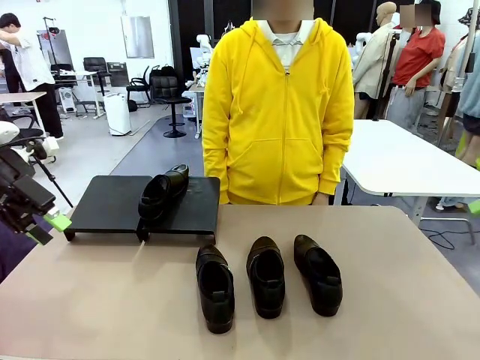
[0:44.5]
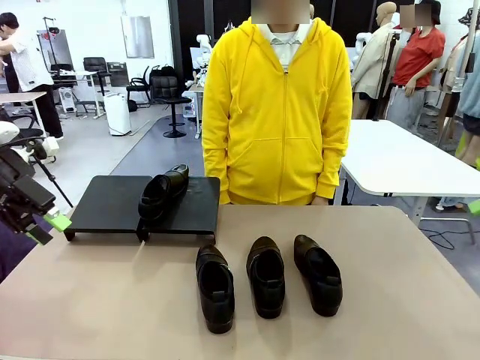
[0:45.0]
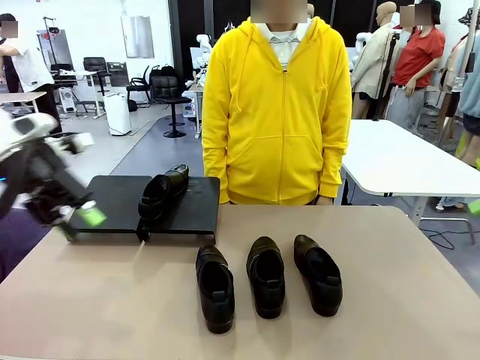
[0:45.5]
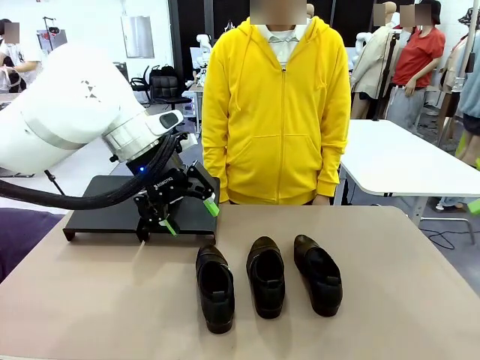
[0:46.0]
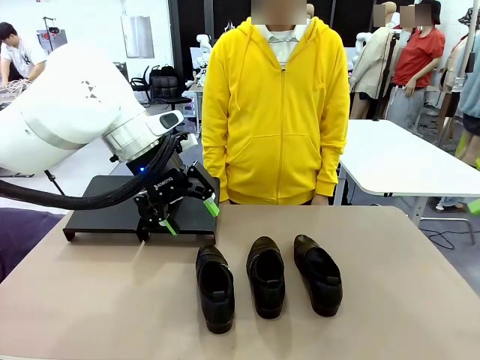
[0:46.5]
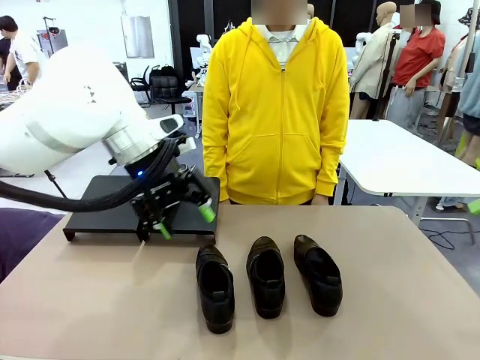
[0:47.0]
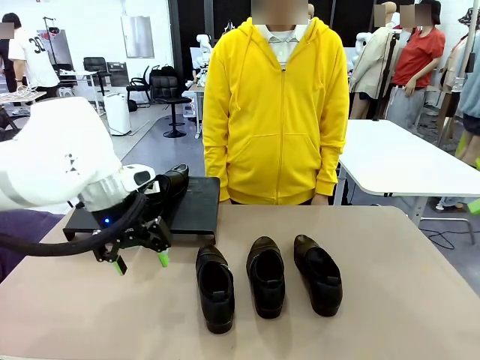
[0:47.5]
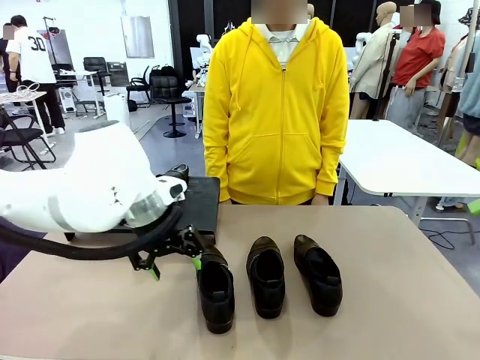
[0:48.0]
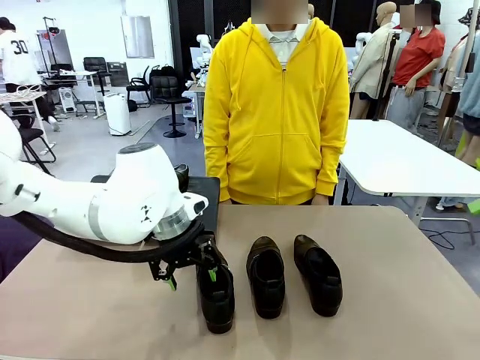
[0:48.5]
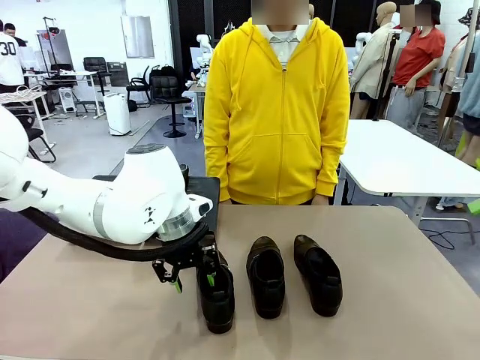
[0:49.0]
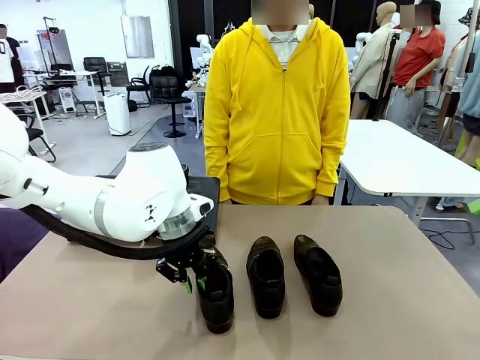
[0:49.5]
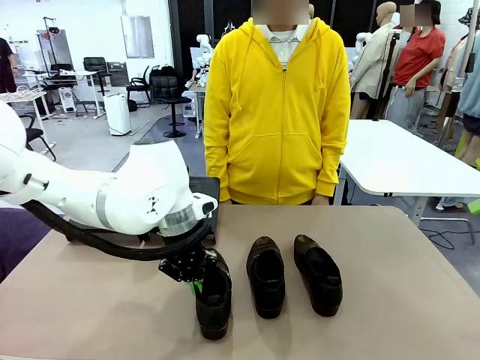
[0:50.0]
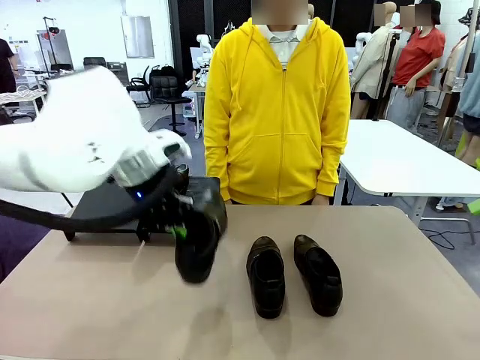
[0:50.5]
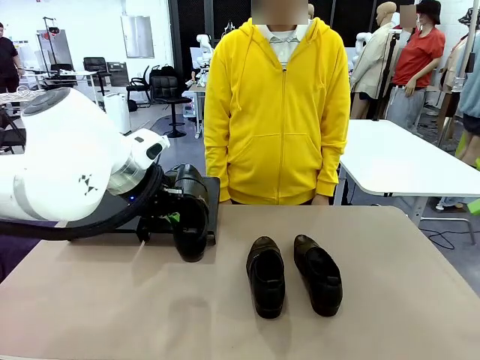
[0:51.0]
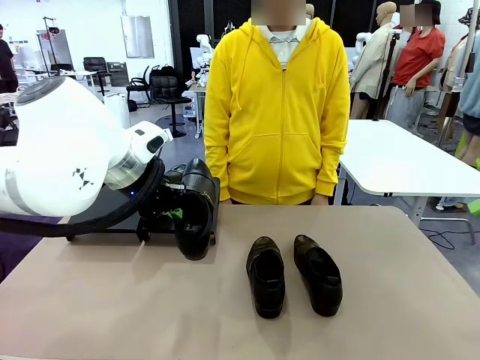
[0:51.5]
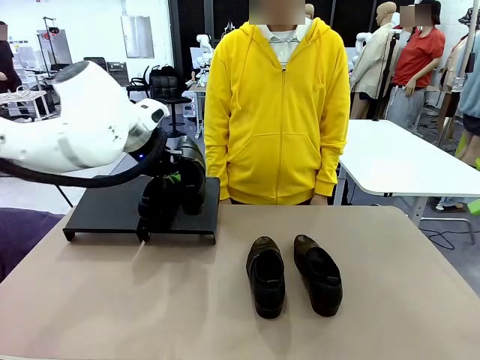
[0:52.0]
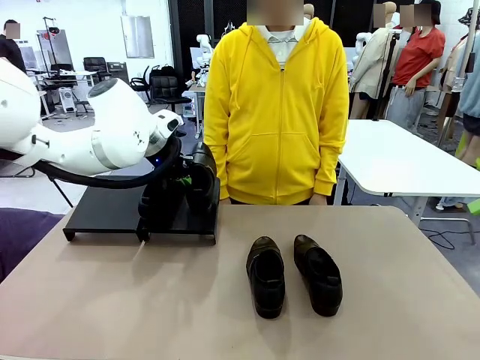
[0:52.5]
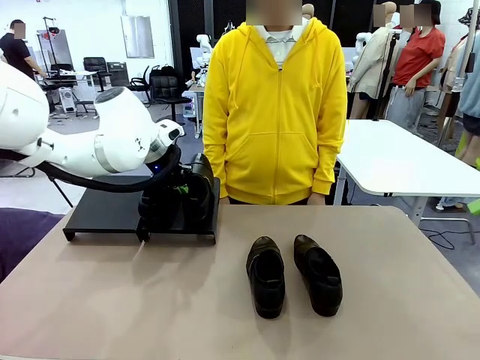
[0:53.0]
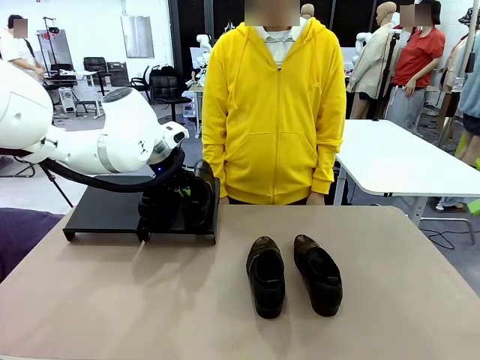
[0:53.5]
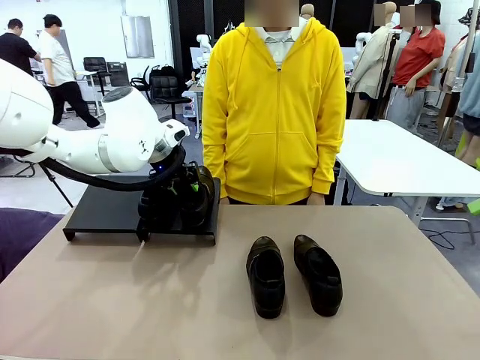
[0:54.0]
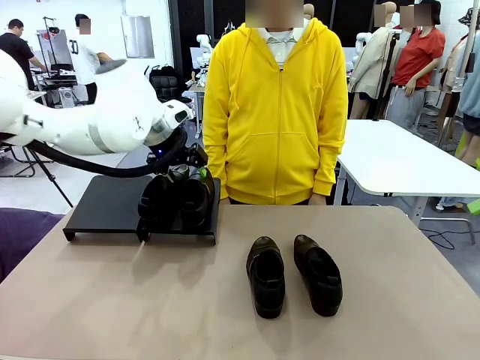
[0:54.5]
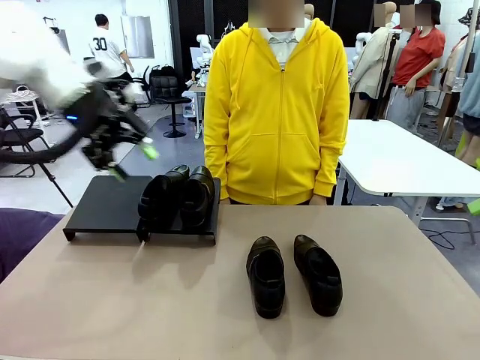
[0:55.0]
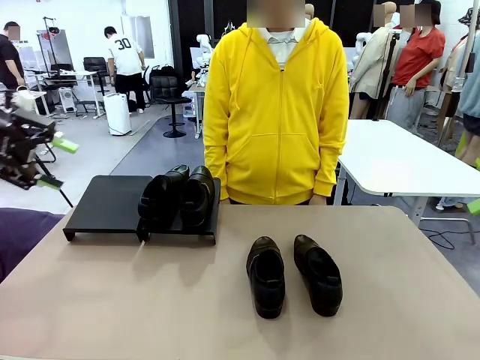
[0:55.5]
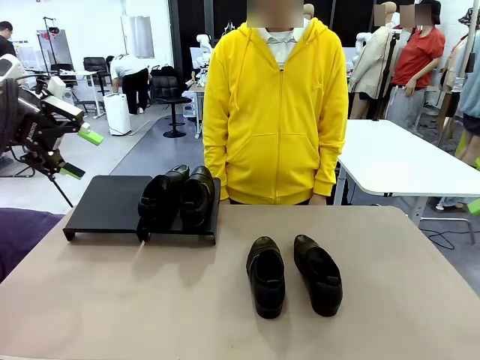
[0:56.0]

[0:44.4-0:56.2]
Task: Organize the shoes by placing them on the stand.
Robot: Place the Shoe from the middle of the table onto the Shoes Stand.

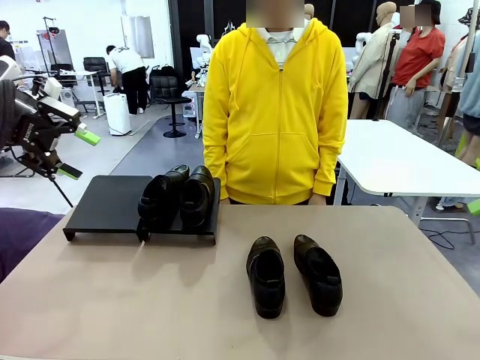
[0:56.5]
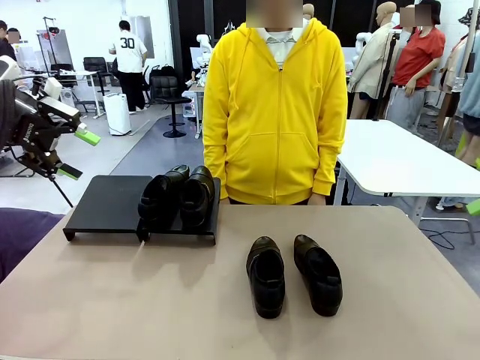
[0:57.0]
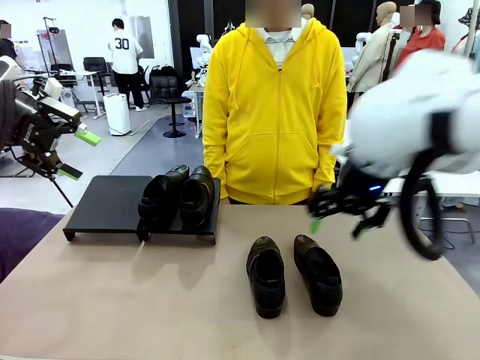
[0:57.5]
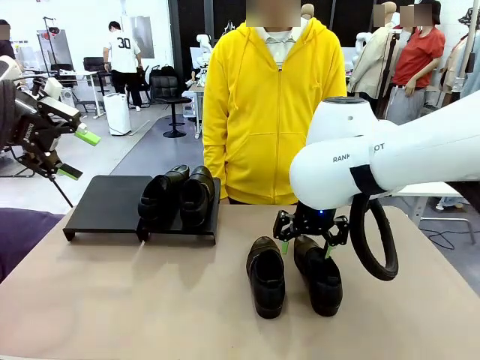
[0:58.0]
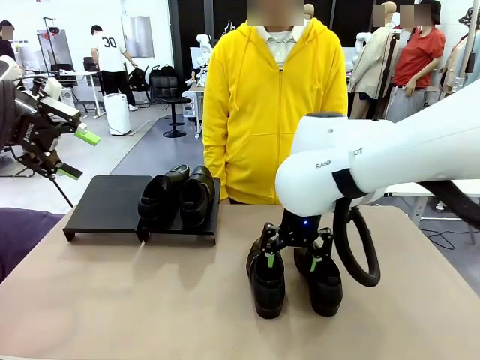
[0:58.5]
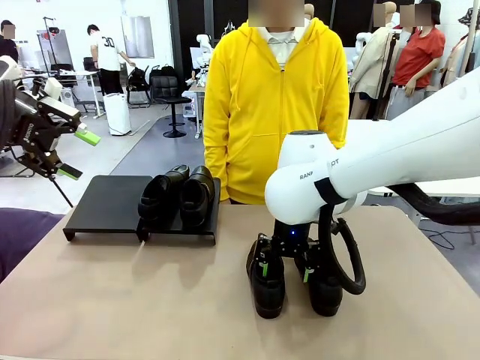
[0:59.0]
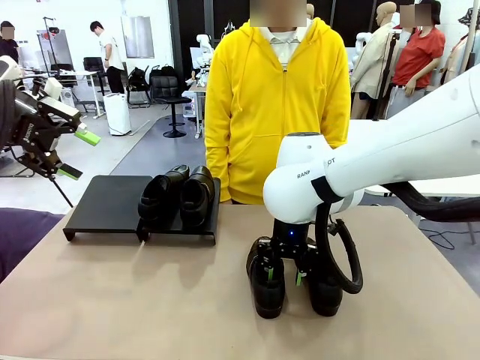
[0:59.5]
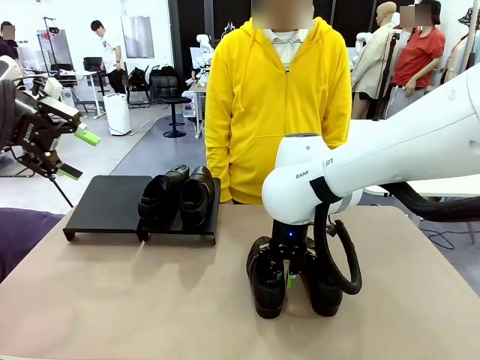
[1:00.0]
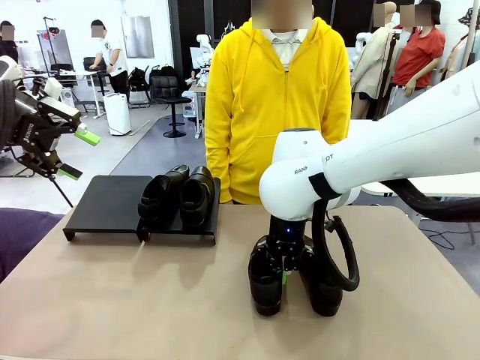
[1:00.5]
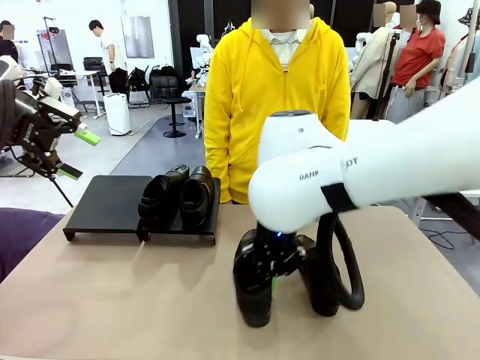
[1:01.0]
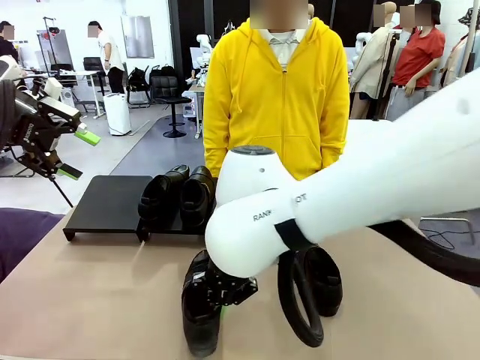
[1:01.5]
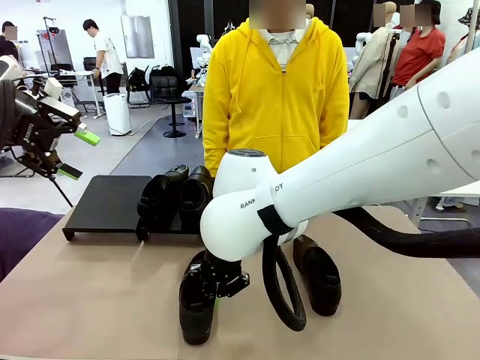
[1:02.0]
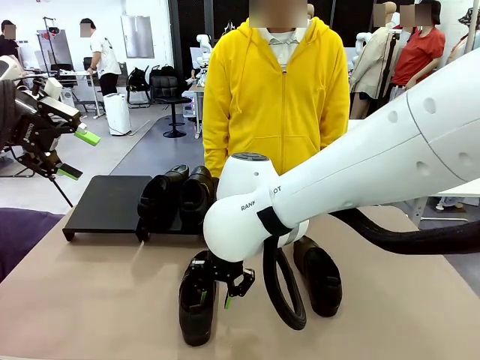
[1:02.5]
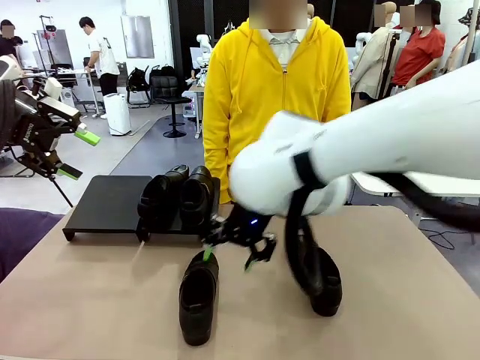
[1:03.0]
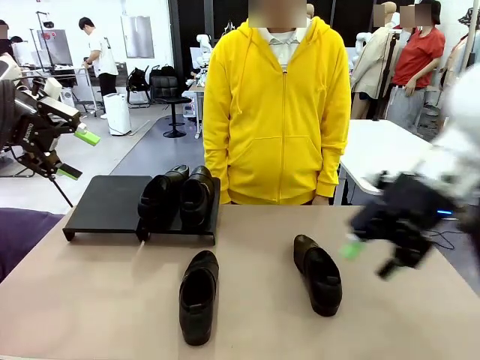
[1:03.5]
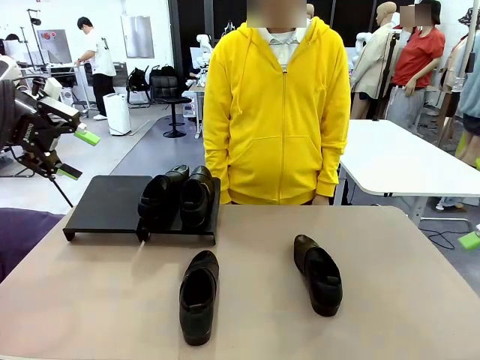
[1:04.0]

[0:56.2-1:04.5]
Robot: Pick up one Shoe and place it in the middle of the table.

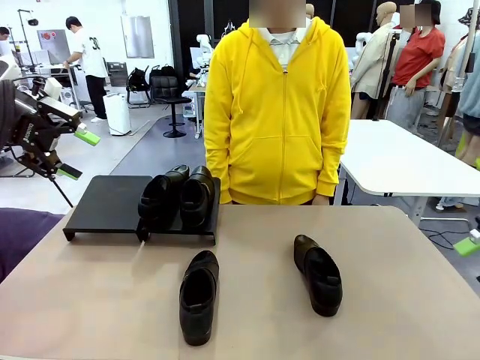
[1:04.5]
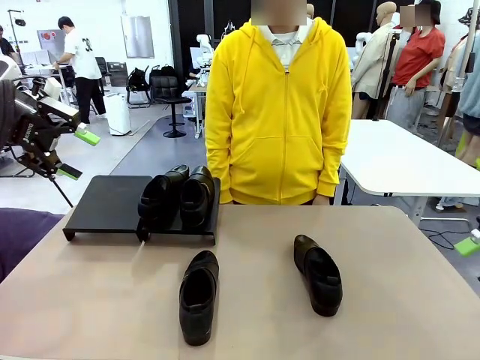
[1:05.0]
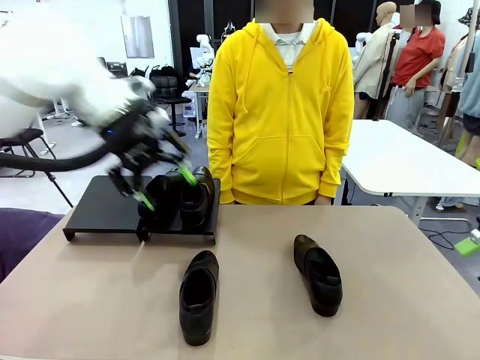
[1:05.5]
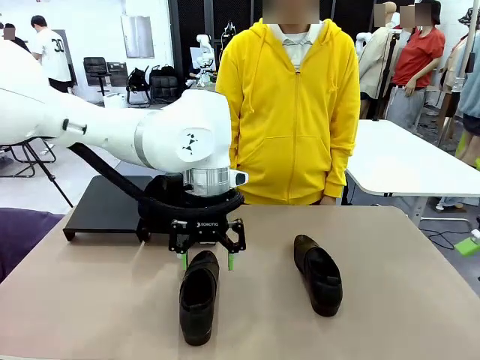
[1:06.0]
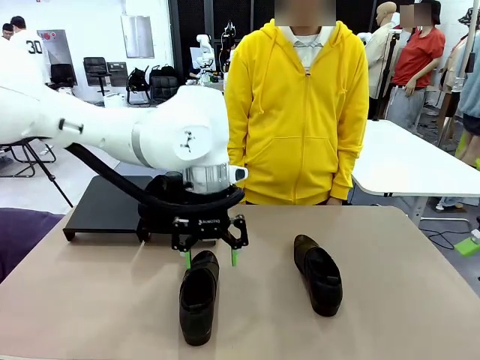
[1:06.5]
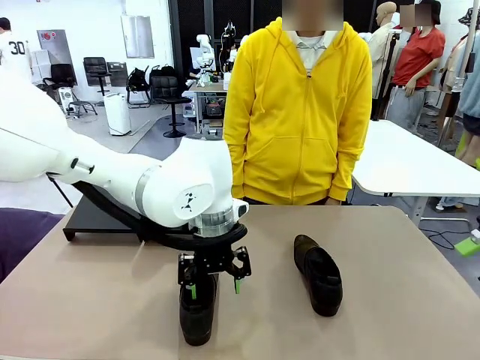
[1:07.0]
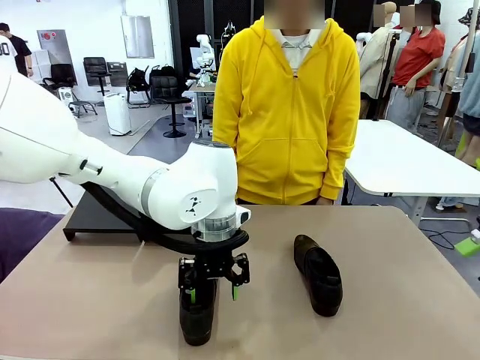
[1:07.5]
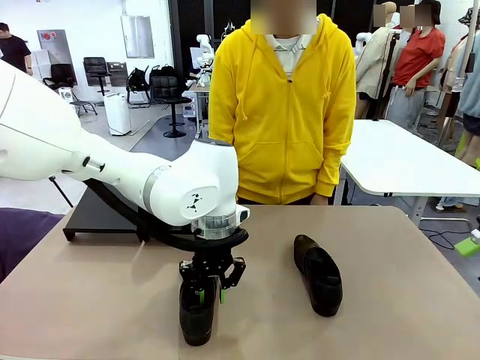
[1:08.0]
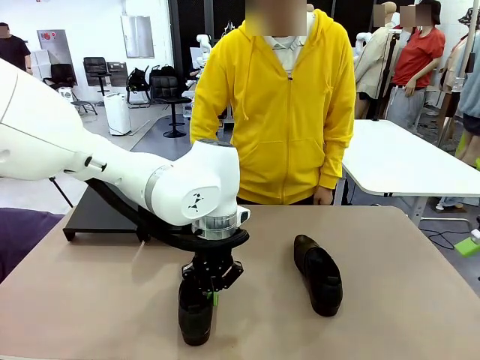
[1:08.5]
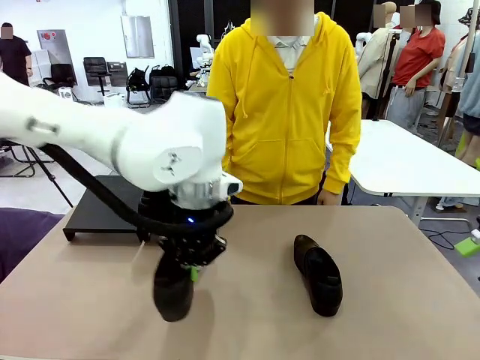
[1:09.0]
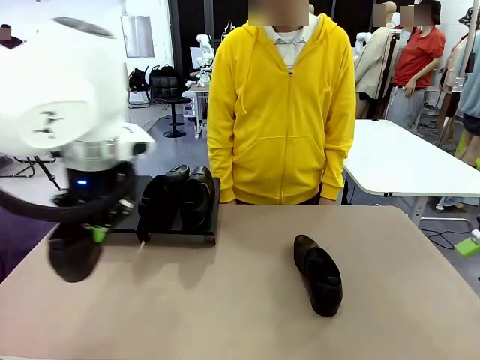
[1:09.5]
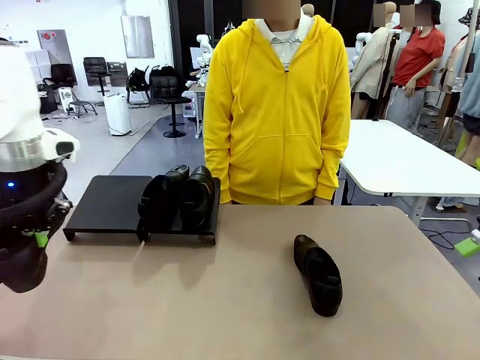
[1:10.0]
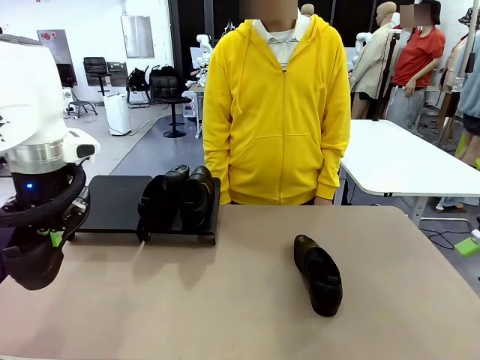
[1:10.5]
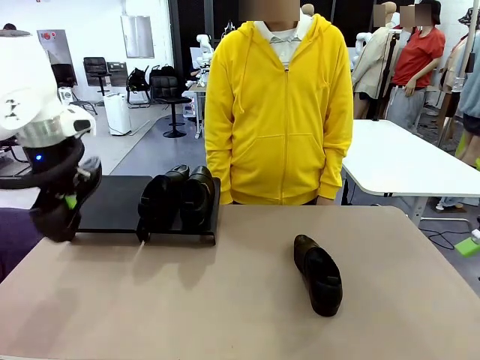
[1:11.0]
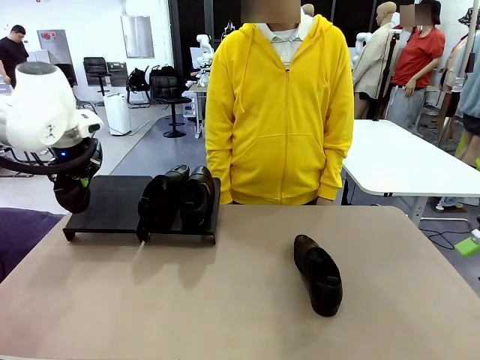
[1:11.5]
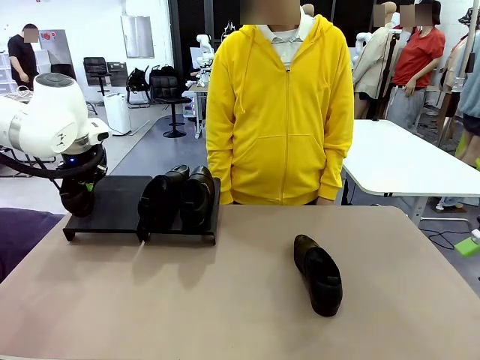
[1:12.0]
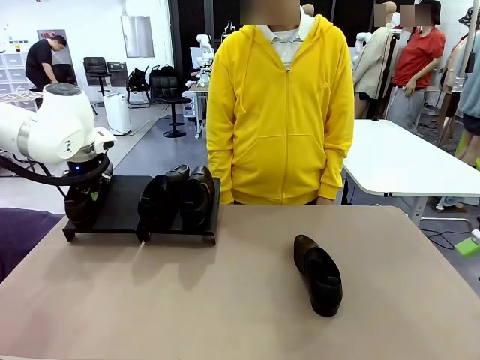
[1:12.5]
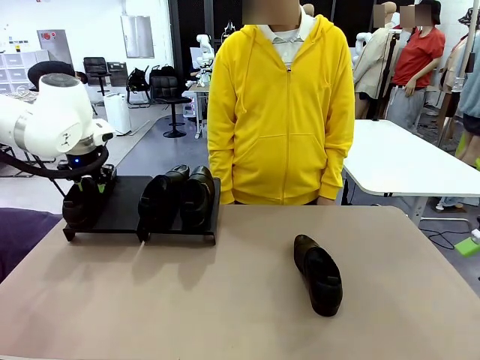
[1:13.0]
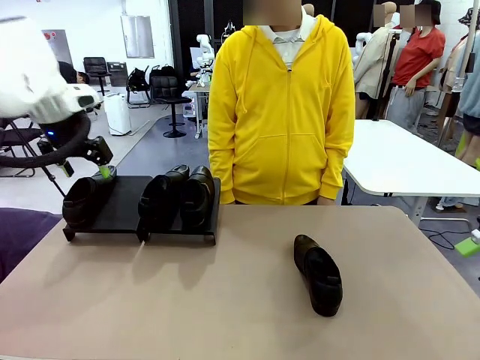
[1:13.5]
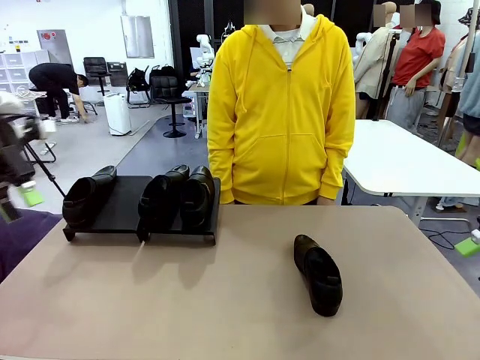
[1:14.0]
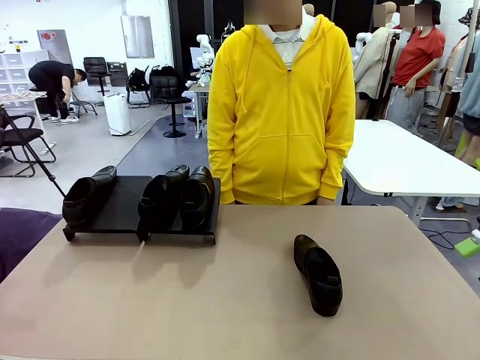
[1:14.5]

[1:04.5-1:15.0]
Robot: Place the Shoe from the middle of the table onto the Shoes Stand.
